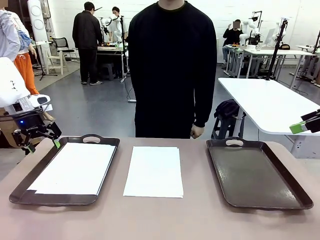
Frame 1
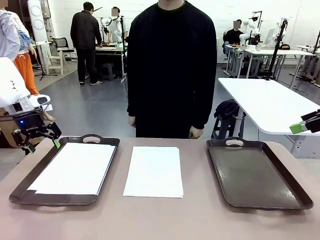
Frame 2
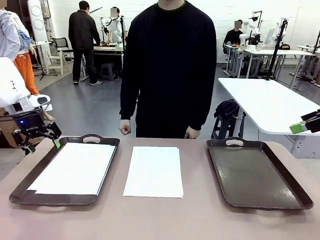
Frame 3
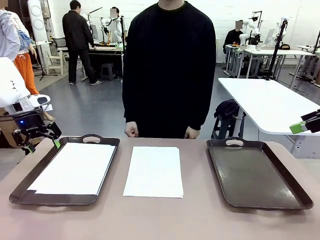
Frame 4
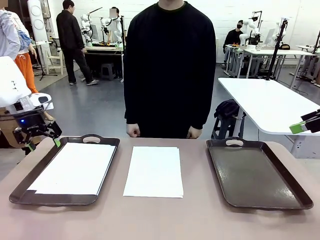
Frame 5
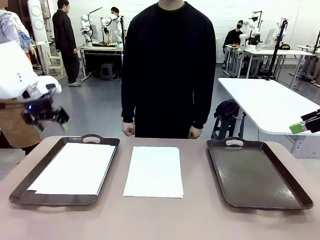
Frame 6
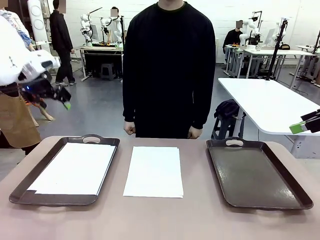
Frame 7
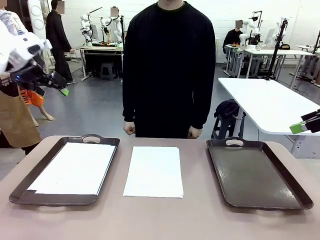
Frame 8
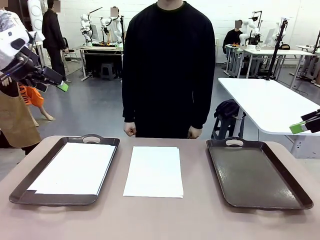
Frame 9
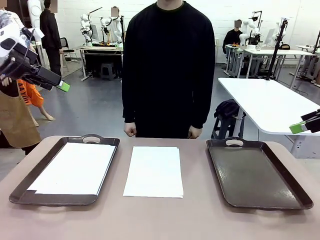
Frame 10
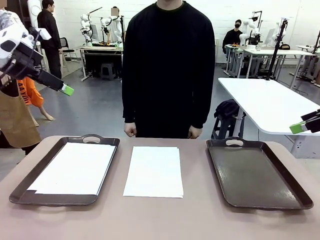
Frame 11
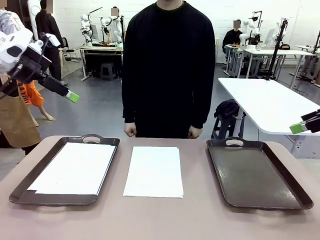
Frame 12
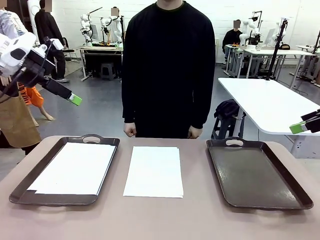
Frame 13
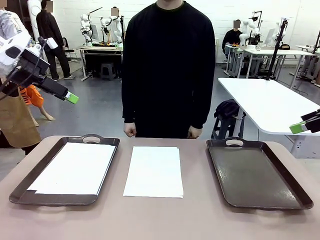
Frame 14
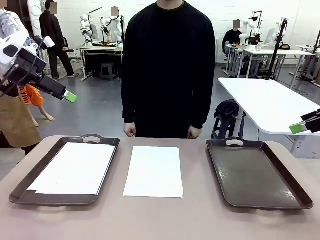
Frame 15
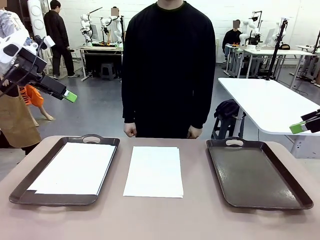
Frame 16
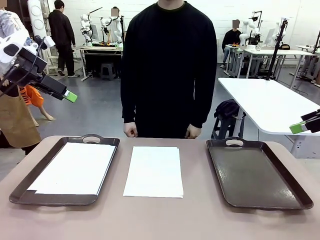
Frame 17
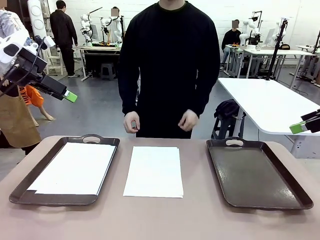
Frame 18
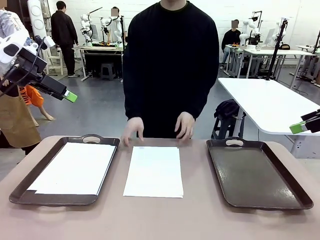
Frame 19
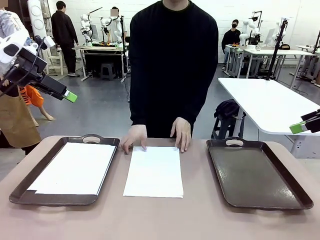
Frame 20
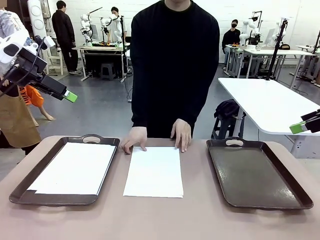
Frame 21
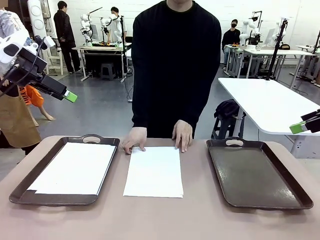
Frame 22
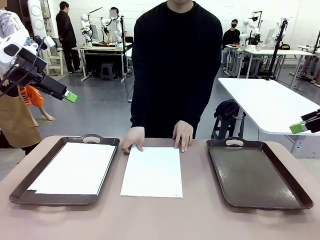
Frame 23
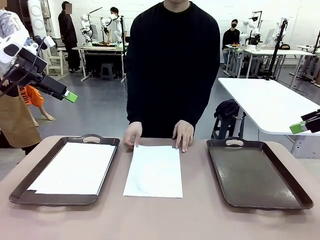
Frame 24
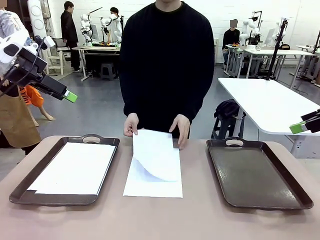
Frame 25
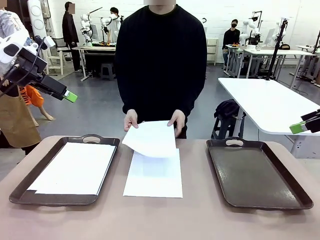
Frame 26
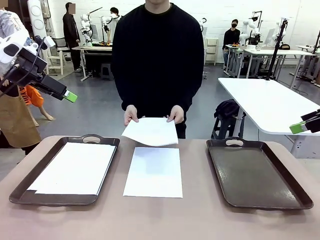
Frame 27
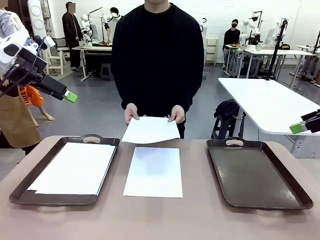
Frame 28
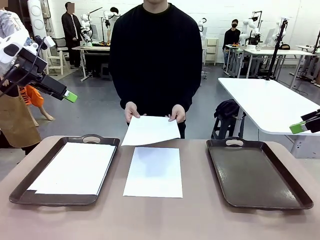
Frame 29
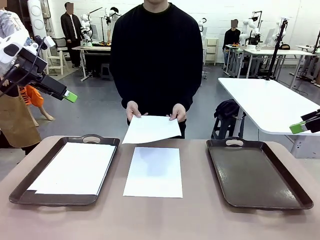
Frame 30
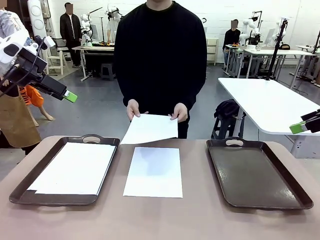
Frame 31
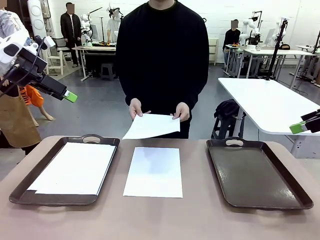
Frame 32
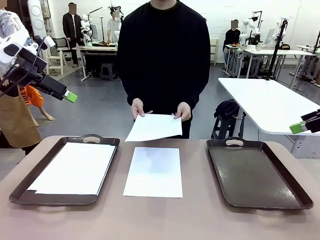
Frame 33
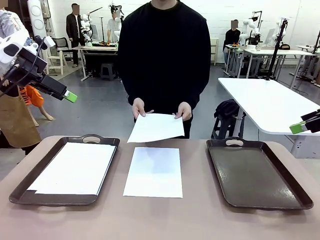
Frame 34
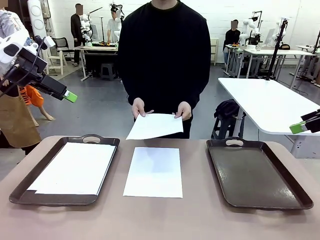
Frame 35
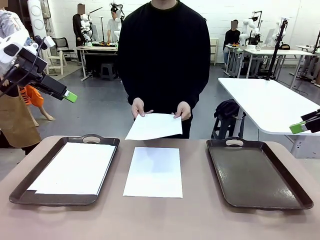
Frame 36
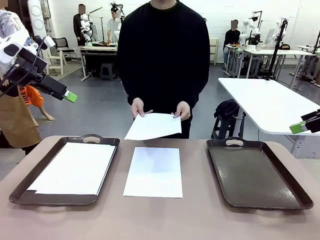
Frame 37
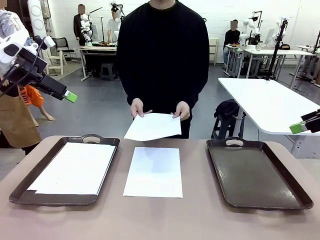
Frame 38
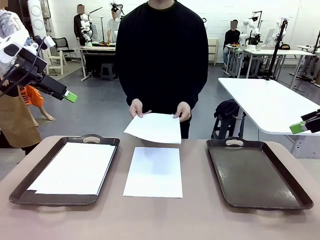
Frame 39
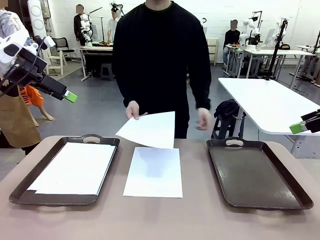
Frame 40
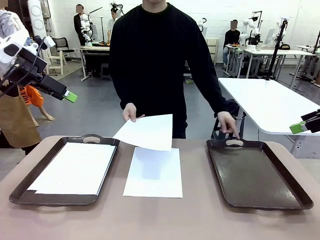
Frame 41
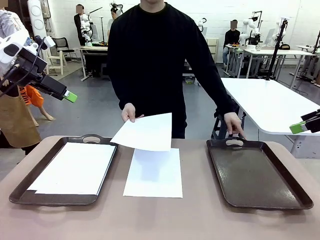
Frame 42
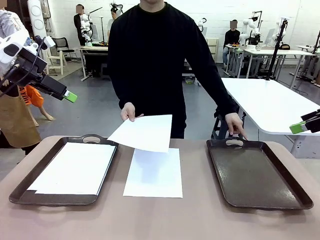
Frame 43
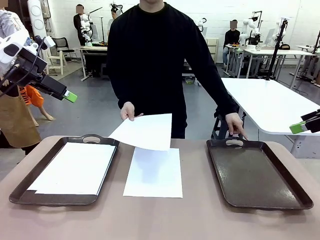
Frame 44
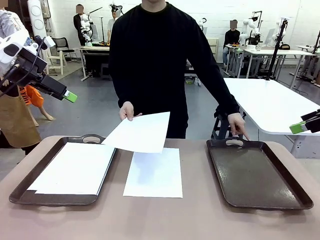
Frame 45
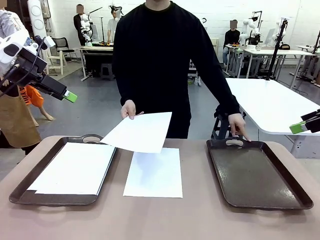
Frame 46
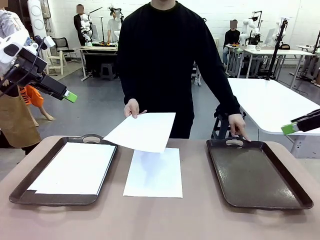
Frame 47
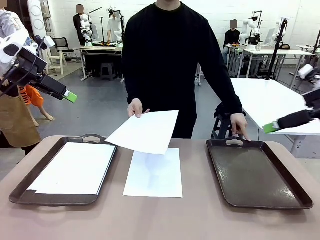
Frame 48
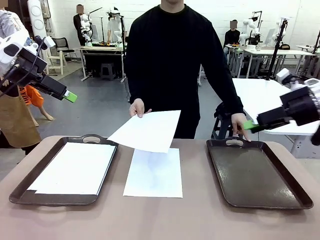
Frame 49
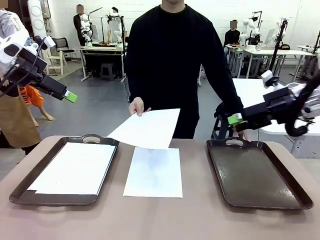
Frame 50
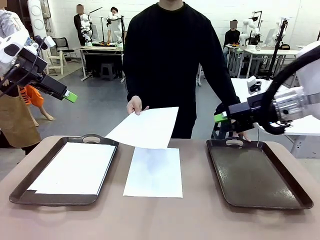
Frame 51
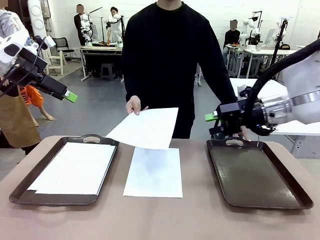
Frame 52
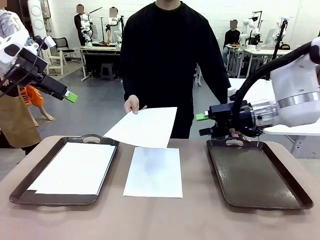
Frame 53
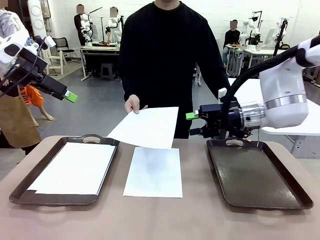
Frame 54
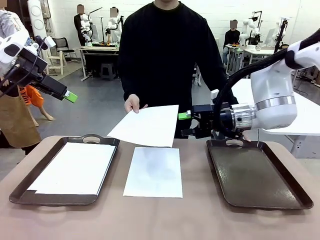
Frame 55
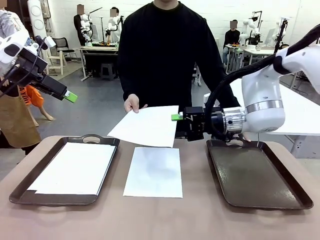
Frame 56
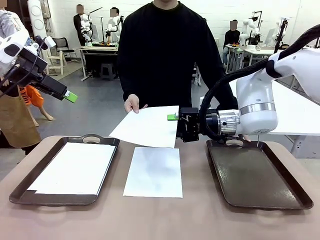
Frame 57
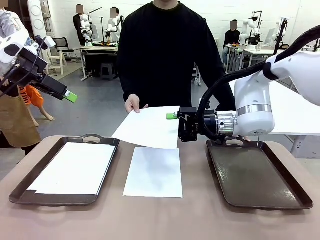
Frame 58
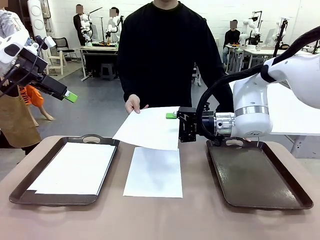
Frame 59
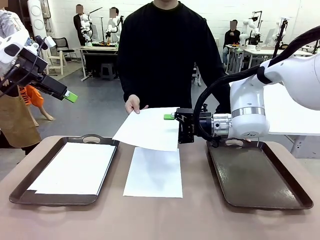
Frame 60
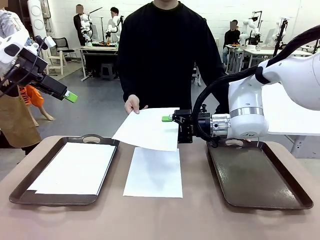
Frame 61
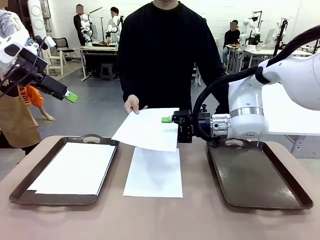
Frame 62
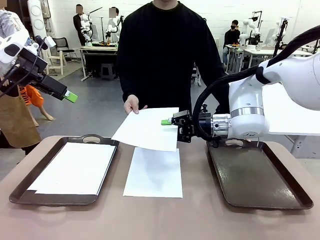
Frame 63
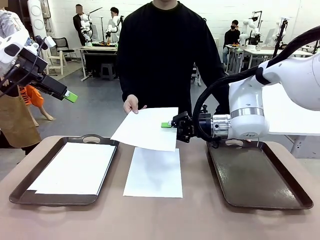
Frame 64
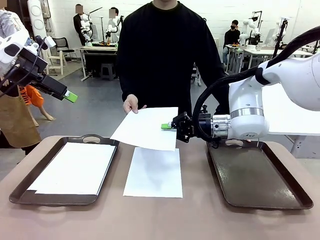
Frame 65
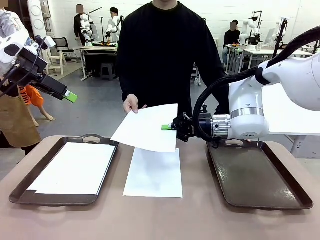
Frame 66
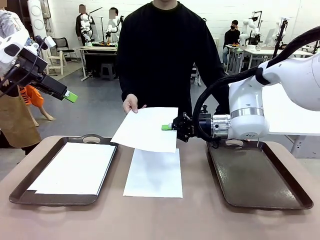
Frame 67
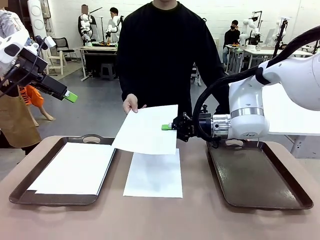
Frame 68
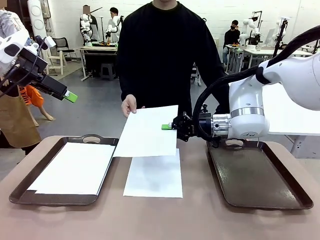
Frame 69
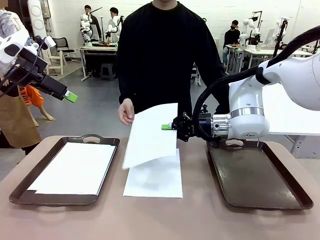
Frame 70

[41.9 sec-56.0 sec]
Task: Sort the A4 documents.
Robot: Receive the A4 Paper.
Person: Point the randomly selected tray with the other hand.

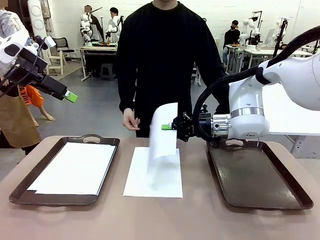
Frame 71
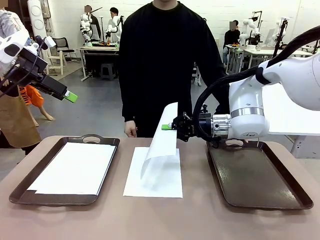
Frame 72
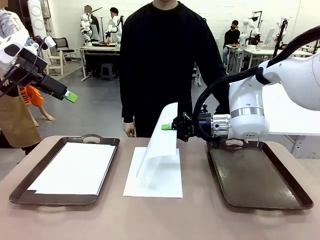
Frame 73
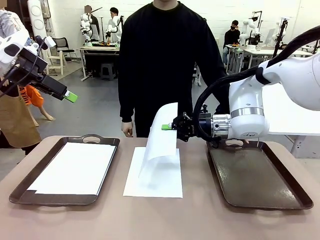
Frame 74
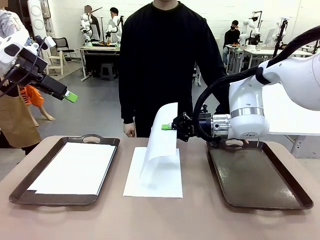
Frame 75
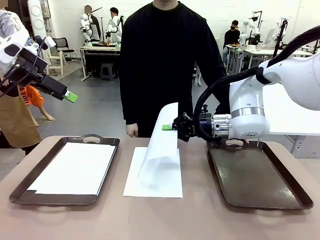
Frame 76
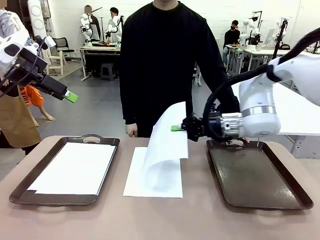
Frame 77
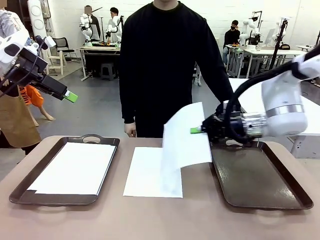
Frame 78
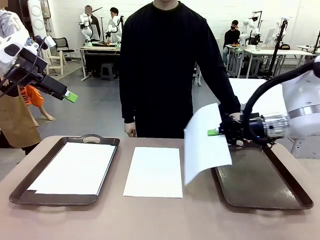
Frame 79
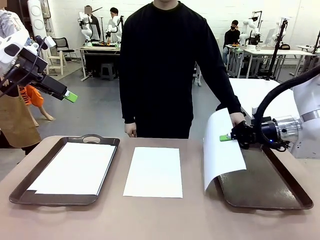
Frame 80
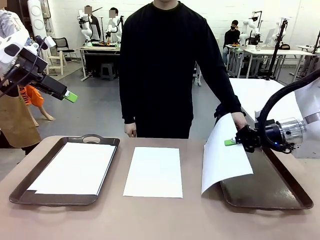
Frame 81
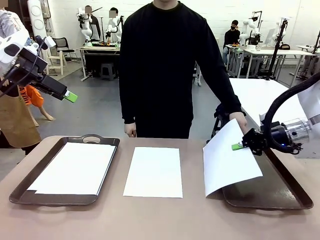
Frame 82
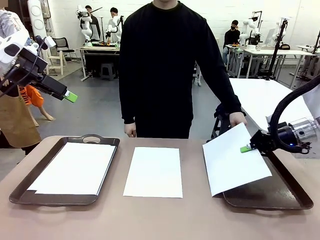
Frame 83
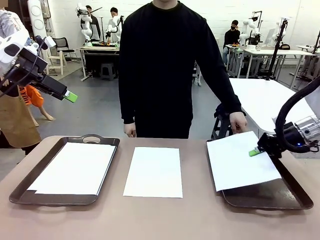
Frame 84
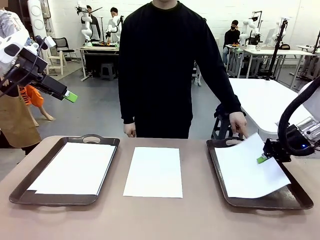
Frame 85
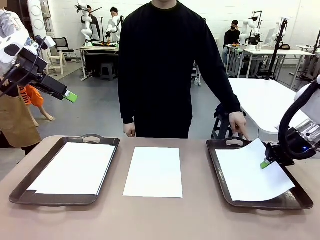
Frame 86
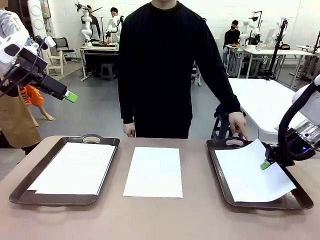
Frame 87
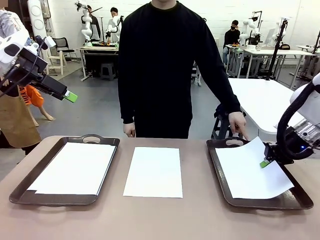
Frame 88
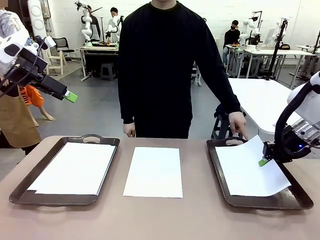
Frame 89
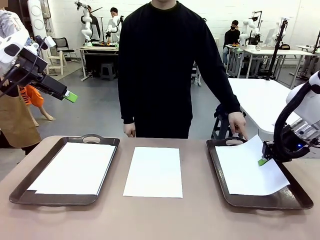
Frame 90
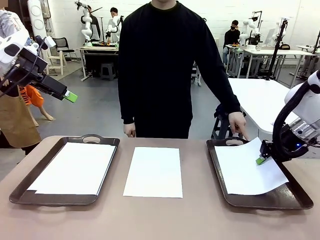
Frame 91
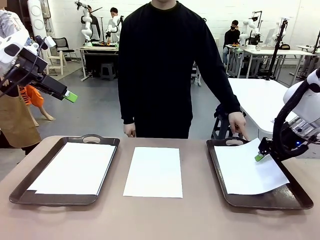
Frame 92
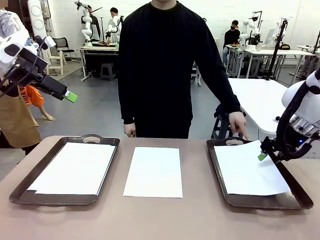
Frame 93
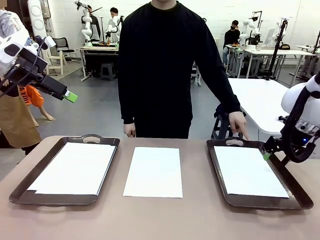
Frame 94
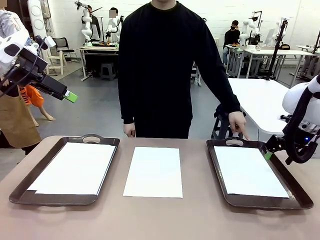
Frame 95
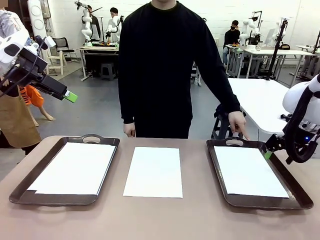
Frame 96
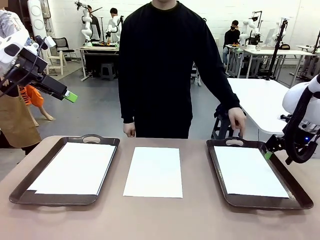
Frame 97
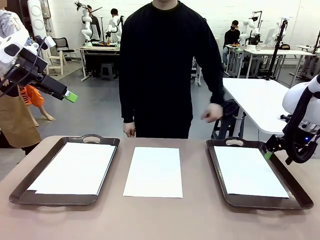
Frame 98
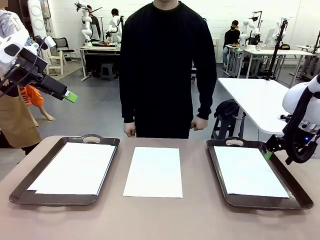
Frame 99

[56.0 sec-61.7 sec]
Robot: Place the A4 Paper in the designated Handle tray.
